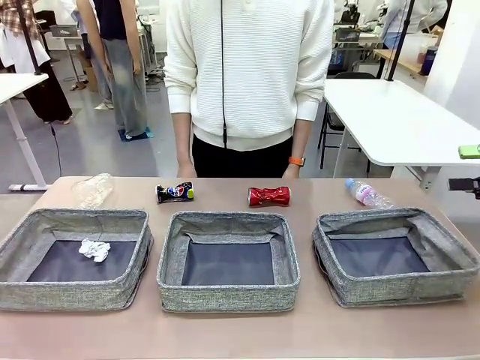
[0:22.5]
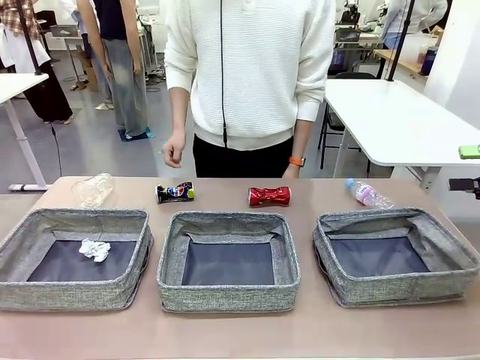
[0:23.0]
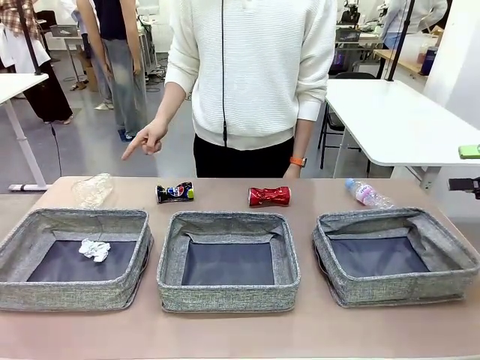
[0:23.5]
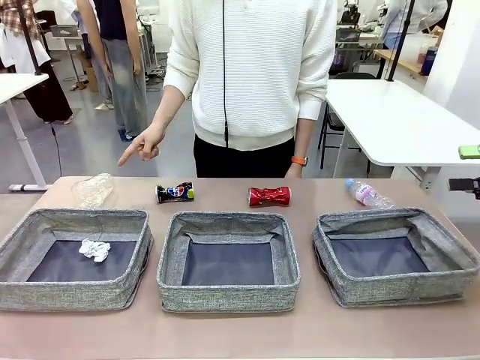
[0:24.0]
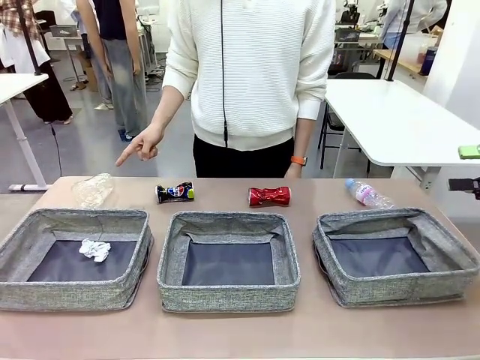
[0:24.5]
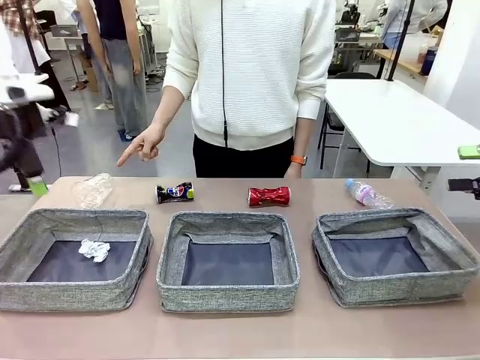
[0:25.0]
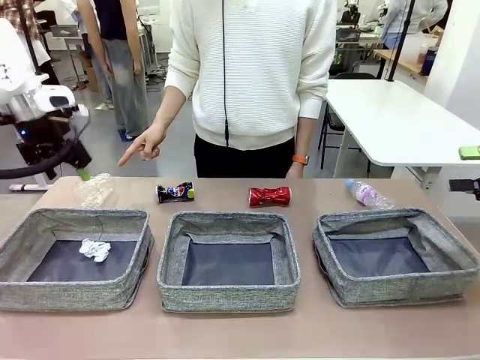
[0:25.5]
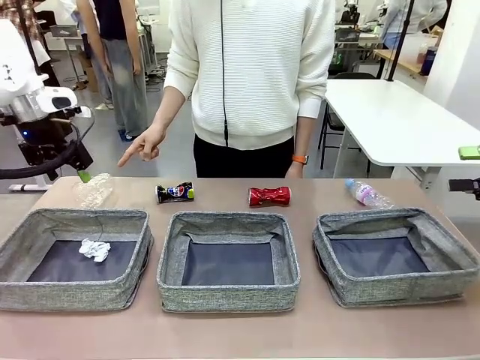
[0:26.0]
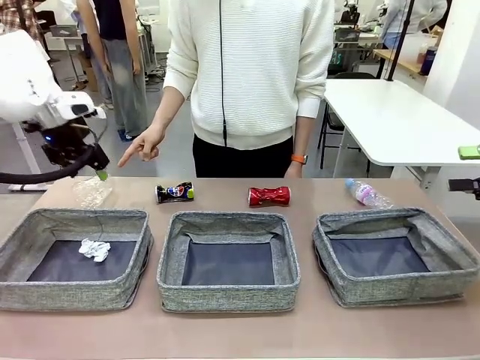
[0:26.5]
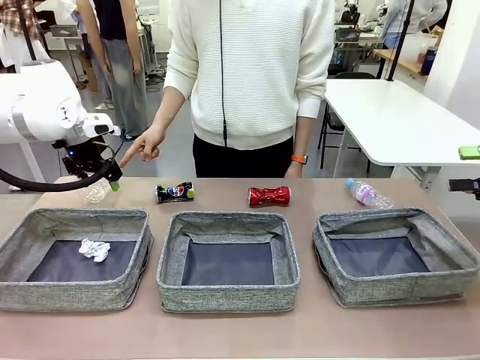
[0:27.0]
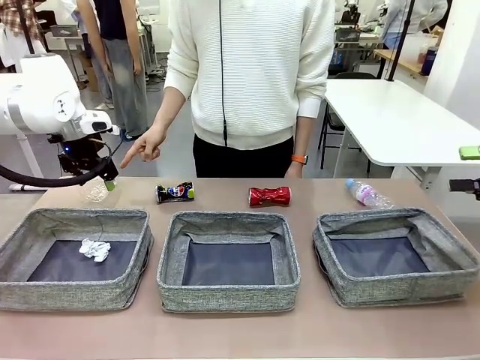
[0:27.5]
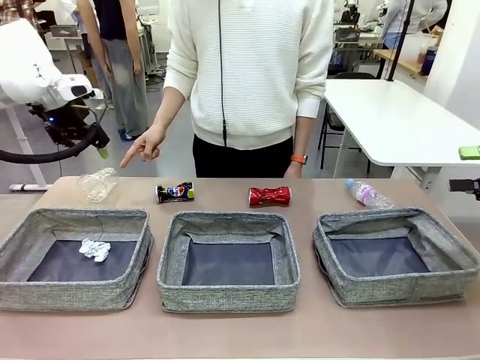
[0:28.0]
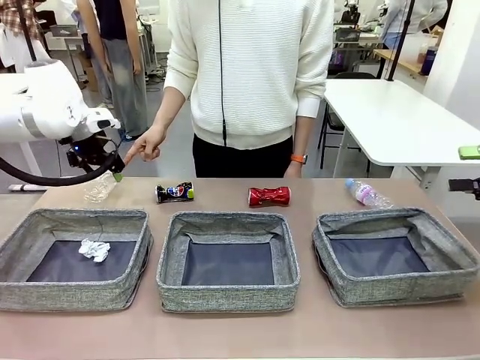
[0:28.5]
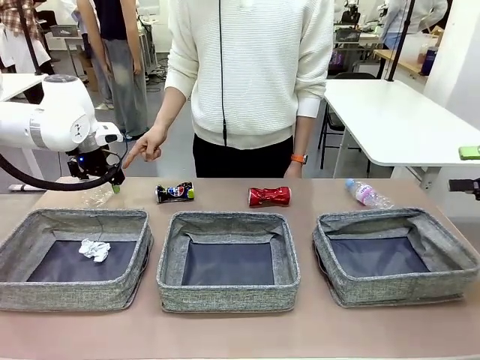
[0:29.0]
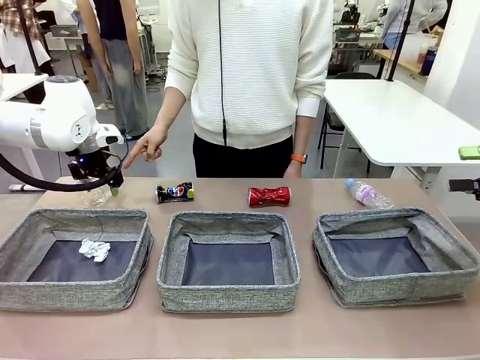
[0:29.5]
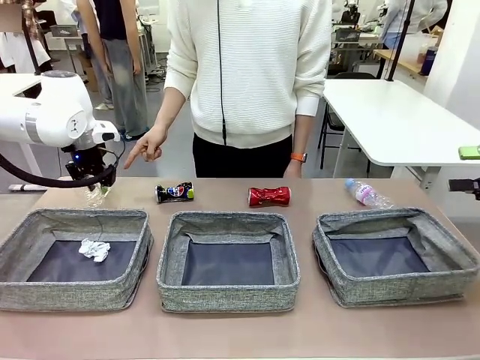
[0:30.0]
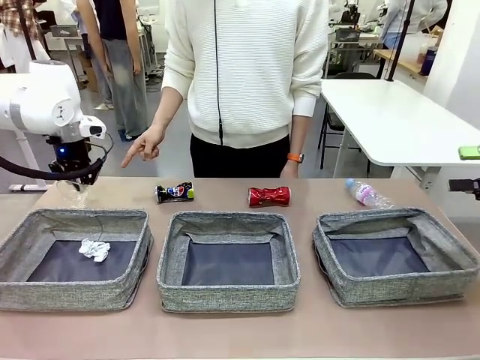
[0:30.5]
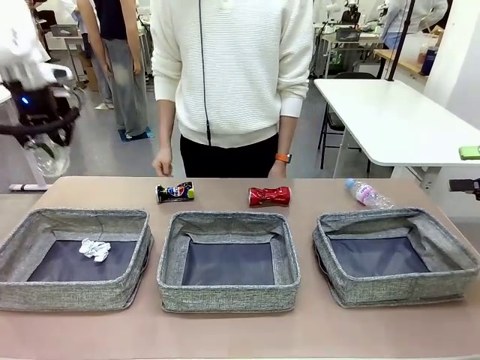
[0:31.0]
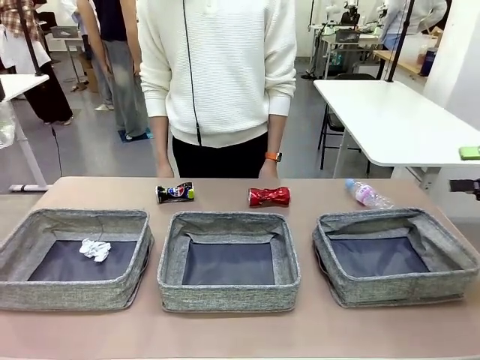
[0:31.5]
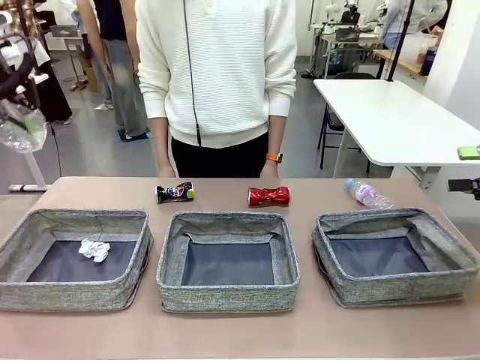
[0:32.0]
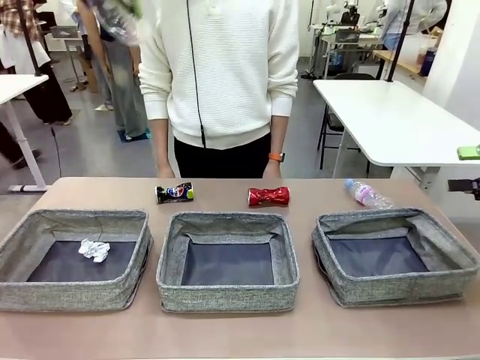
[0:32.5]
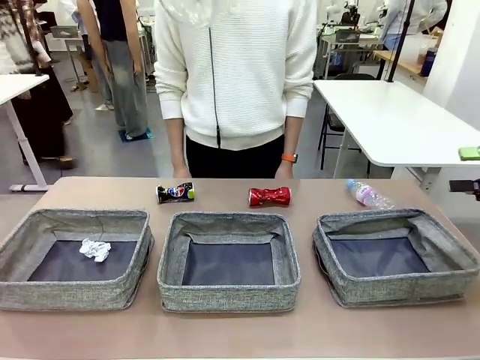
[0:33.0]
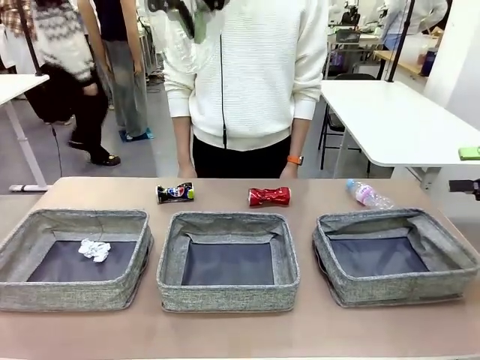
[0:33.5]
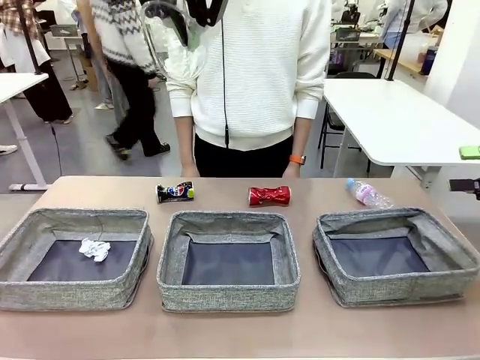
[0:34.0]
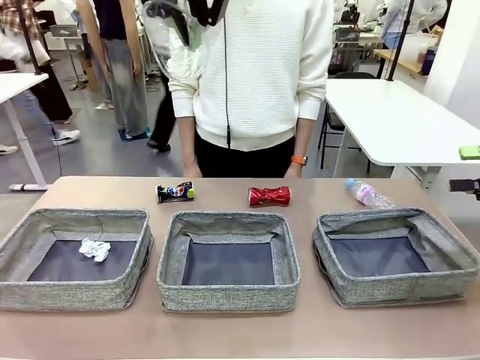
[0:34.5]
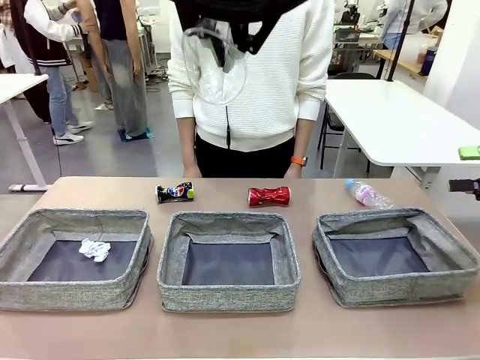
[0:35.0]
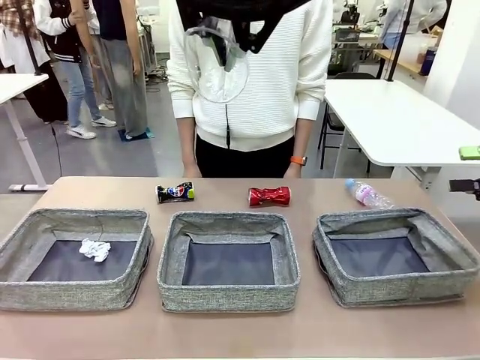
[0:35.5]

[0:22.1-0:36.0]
Task: Sort the waste into the appropriate baskets.
Robot: Pick up the waste item pointed out by the person.
Person: Points to one piece of trash on the table.

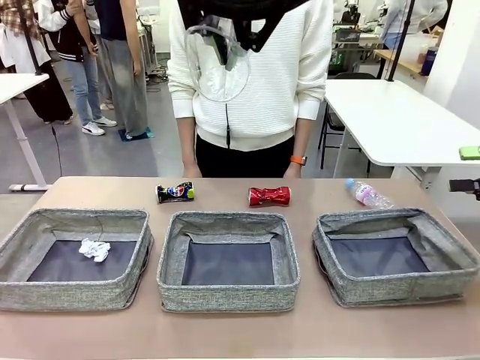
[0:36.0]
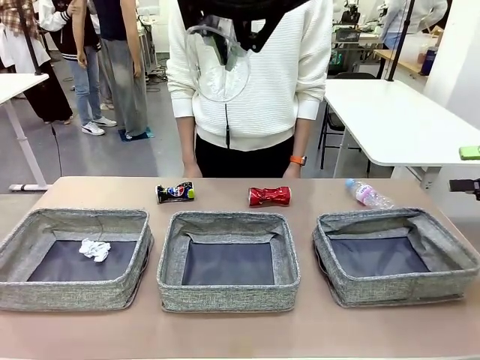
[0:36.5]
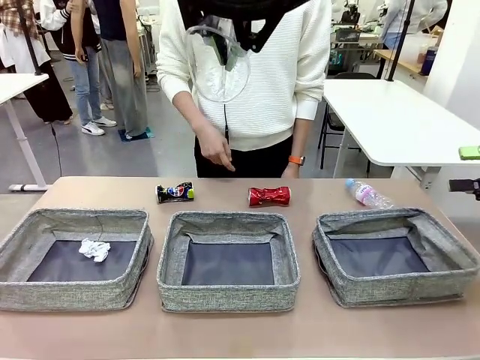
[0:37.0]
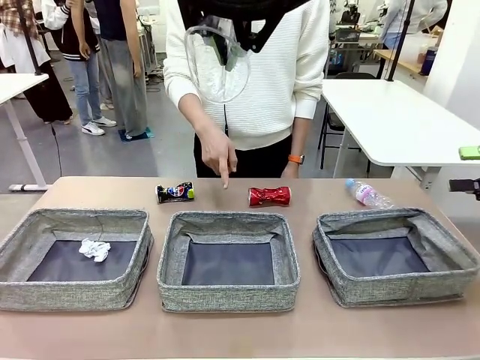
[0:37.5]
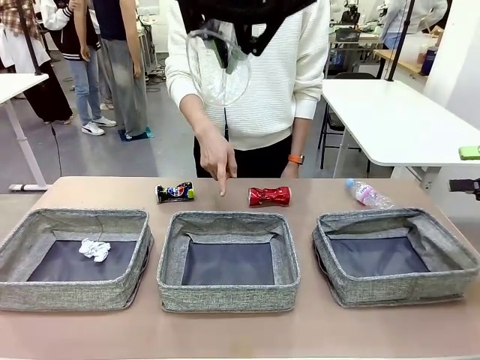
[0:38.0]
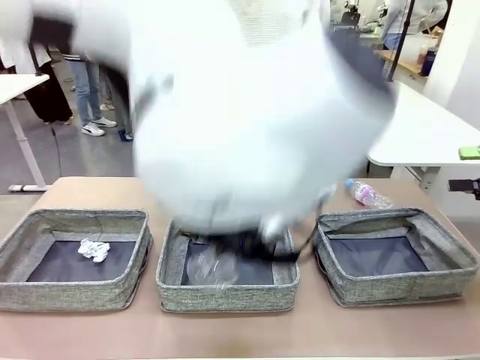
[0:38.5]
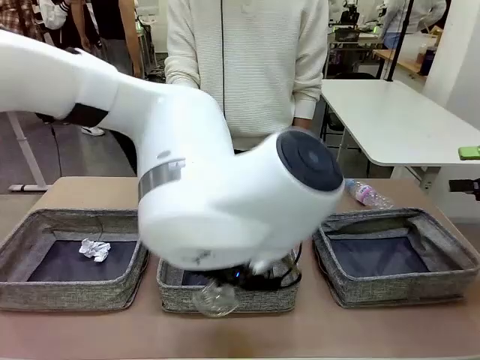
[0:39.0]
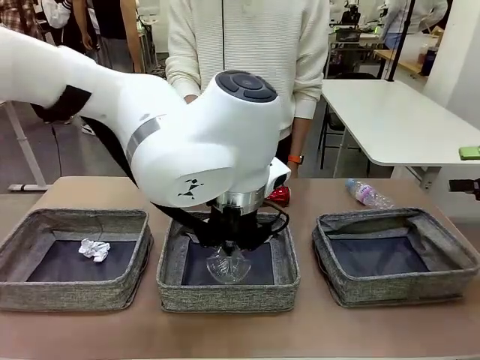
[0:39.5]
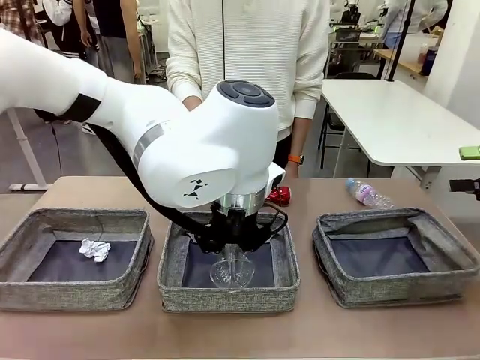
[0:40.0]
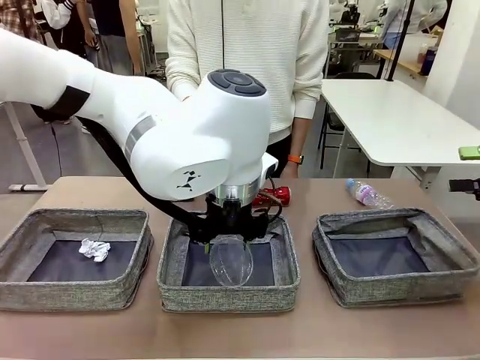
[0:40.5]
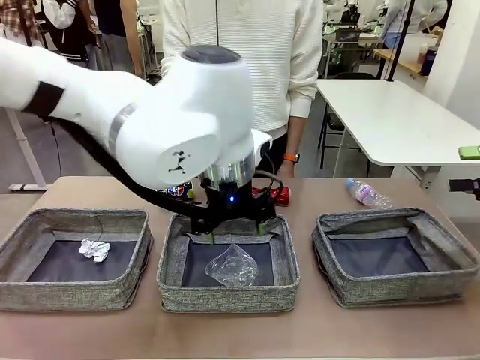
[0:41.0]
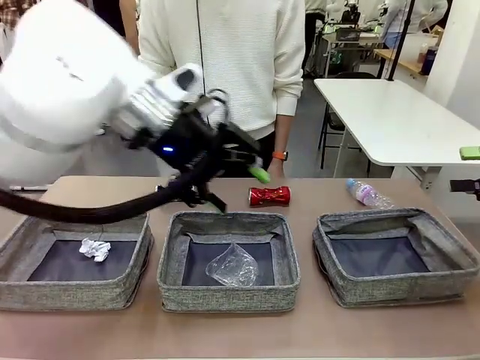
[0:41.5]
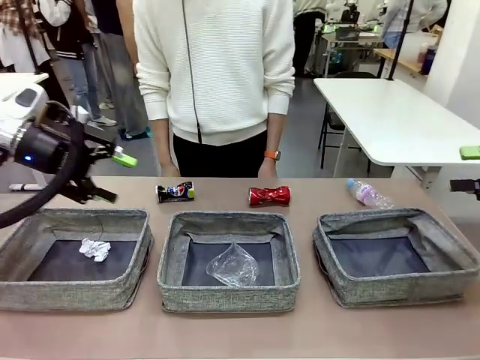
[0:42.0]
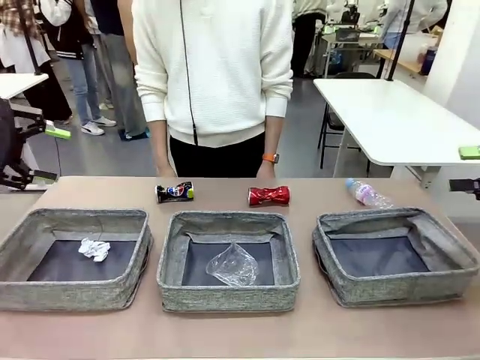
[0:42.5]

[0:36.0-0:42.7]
Robot: Place the picked waste into the Fabric basket indicated by the person.
Person: Instructs the robot to place the picked-up trash into the appropriate organizing basket.

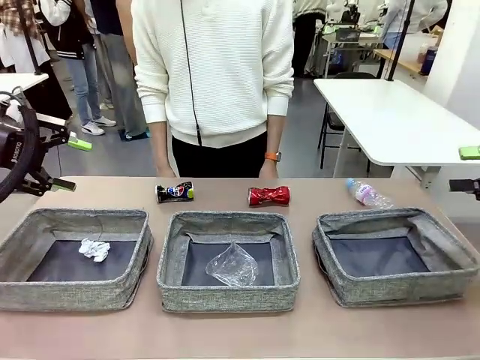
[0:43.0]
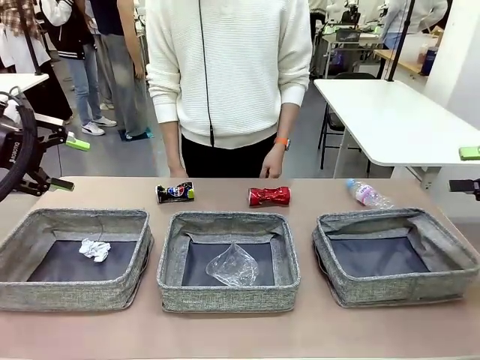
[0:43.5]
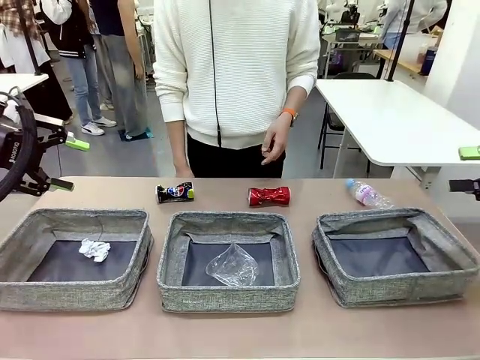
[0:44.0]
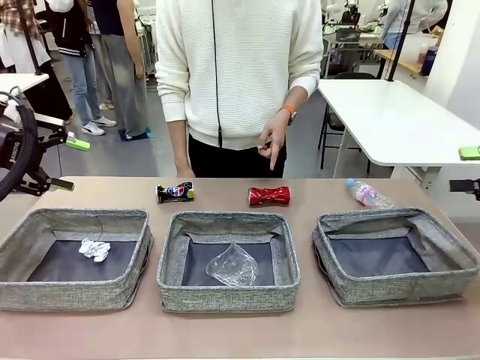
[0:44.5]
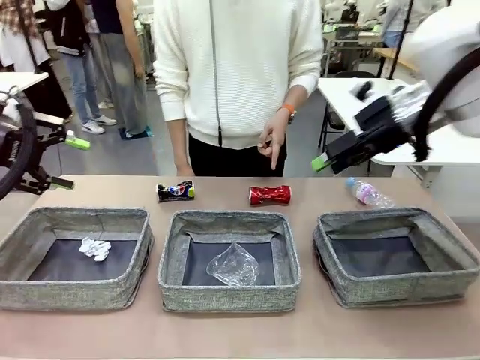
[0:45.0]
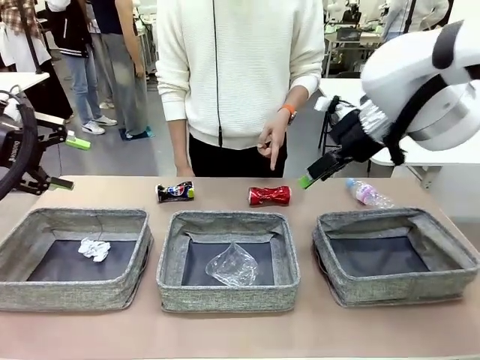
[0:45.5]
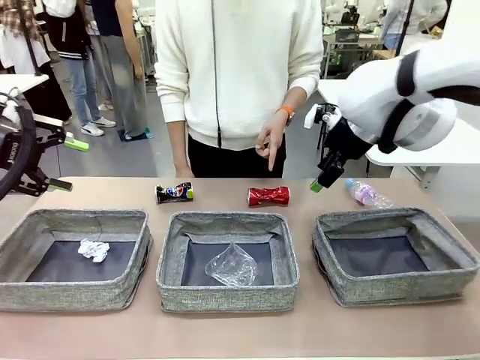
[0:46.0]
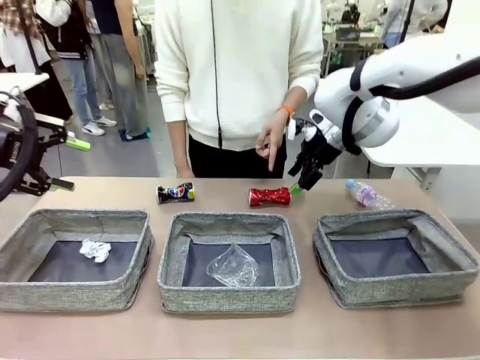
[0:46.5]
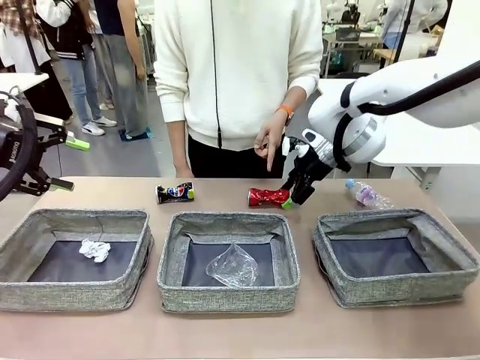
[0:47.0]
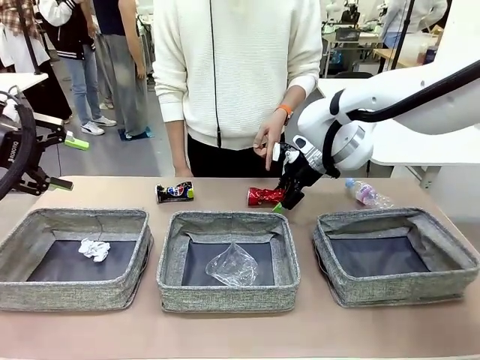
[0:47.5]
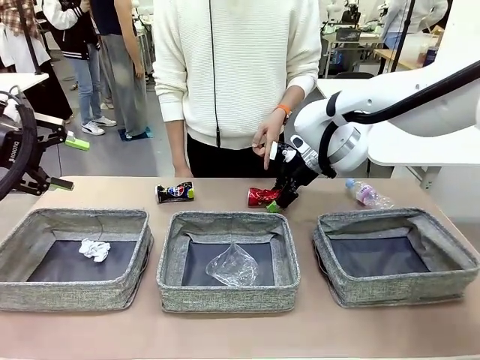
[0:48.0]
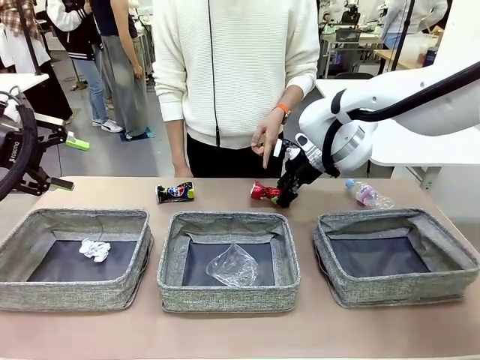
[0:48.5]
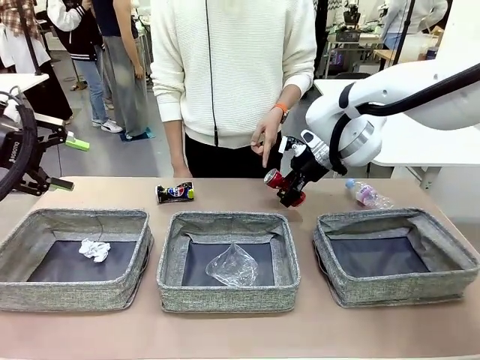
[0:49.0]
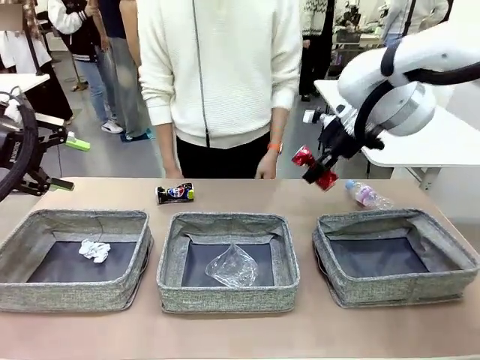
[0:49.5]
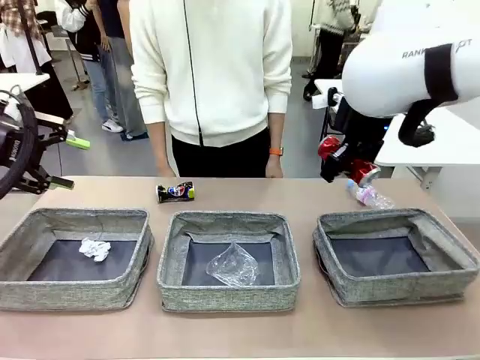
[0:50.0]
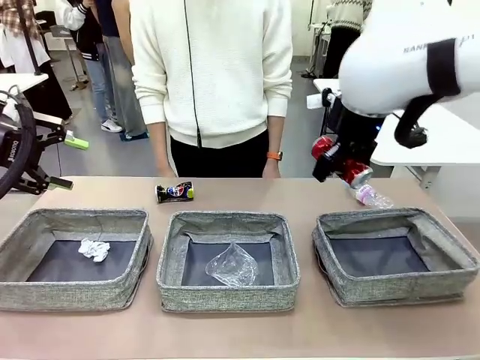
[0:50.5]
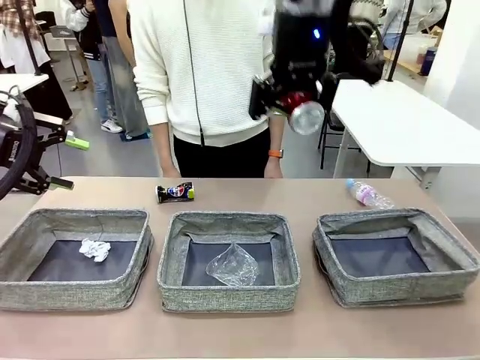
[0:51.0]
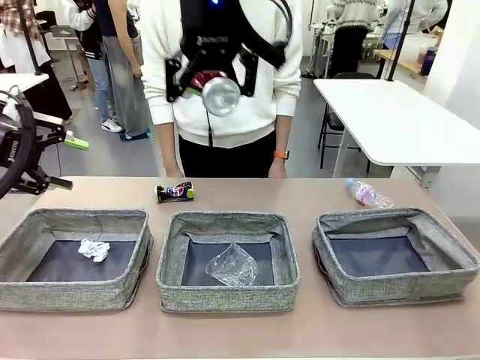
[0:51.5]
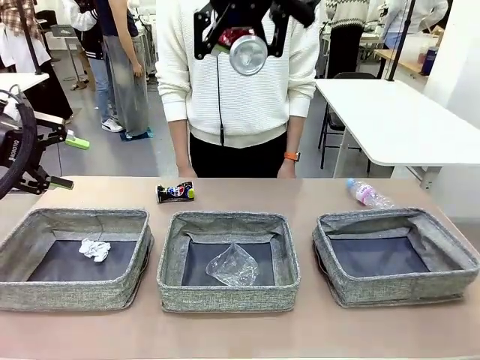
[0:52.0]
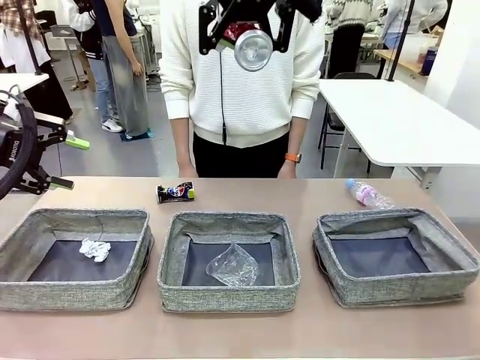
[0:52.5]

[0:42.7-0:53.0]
Robot: Pick up the waste item pointed out by the person.
Person: Points to one piece of trash on the table.
